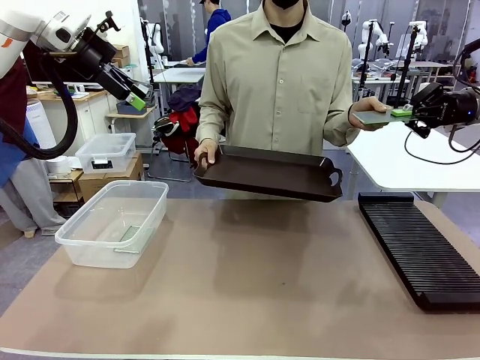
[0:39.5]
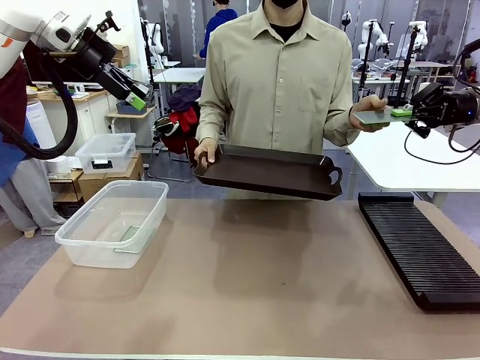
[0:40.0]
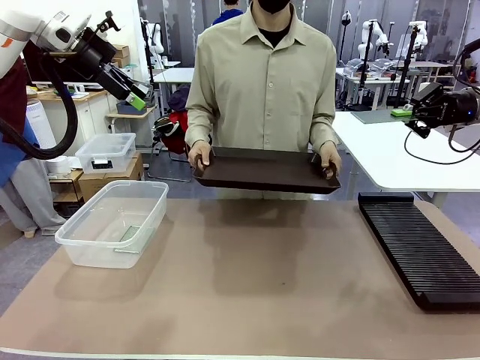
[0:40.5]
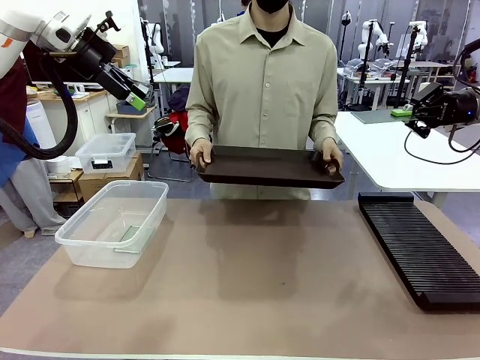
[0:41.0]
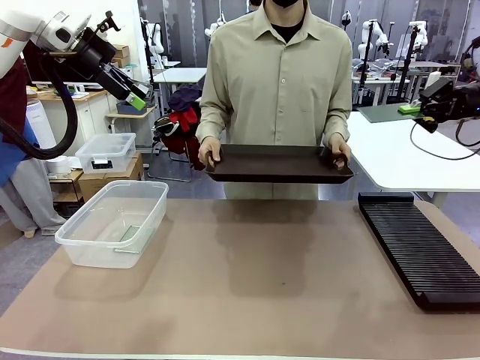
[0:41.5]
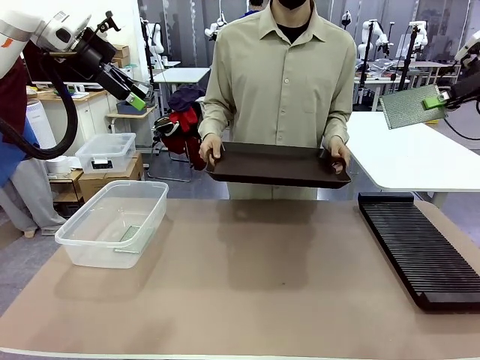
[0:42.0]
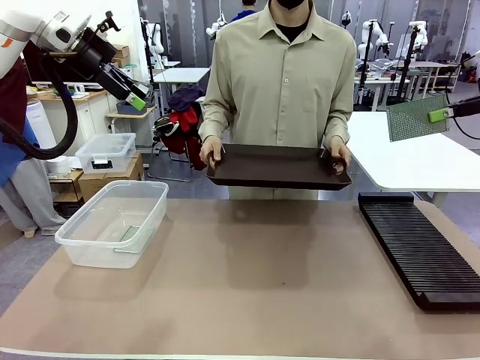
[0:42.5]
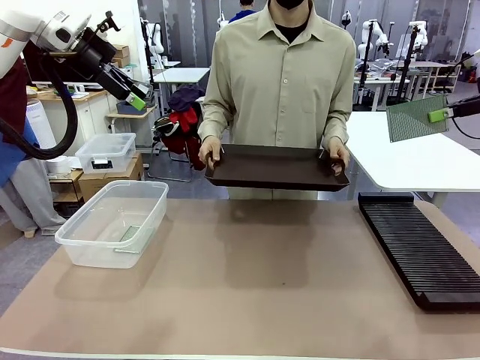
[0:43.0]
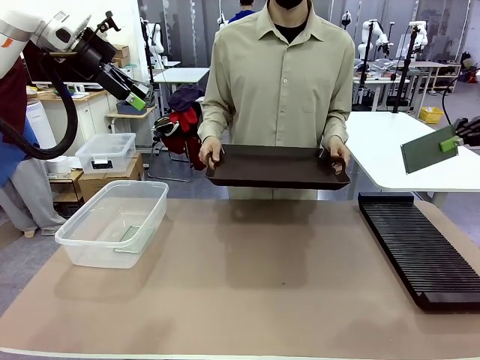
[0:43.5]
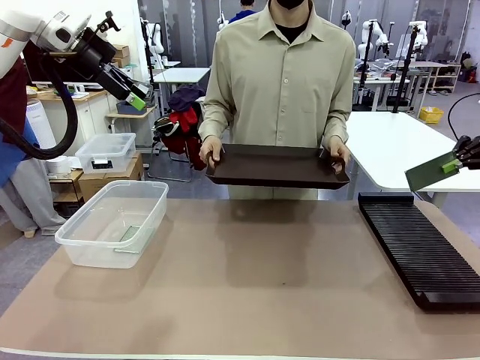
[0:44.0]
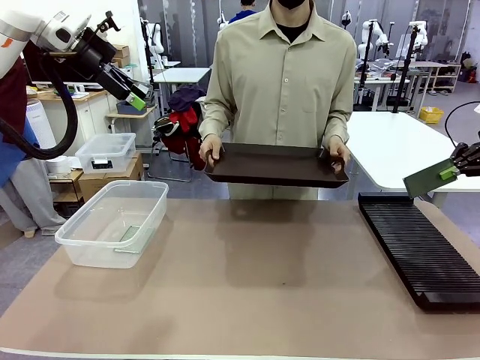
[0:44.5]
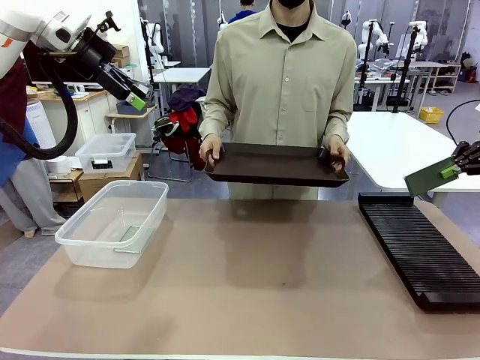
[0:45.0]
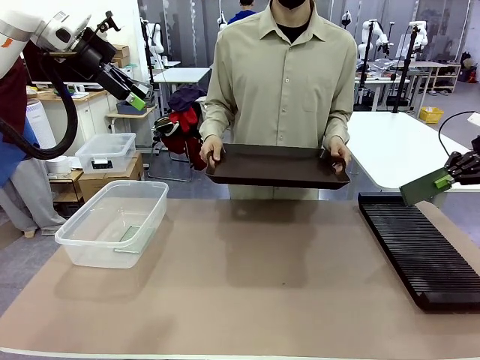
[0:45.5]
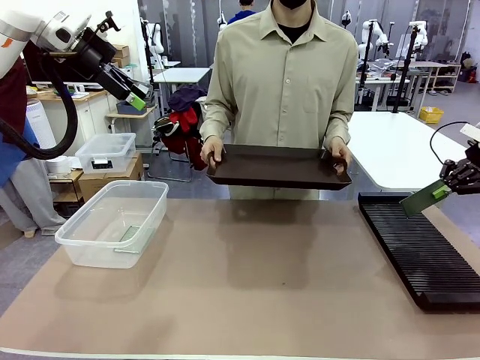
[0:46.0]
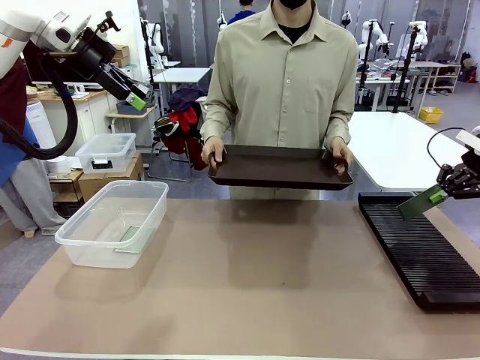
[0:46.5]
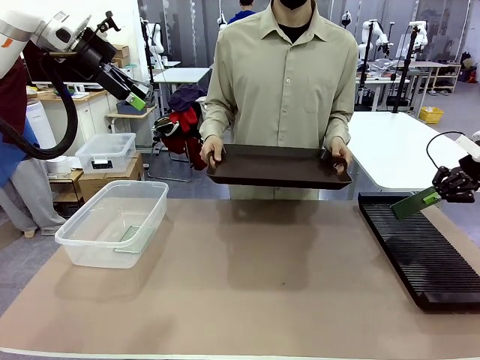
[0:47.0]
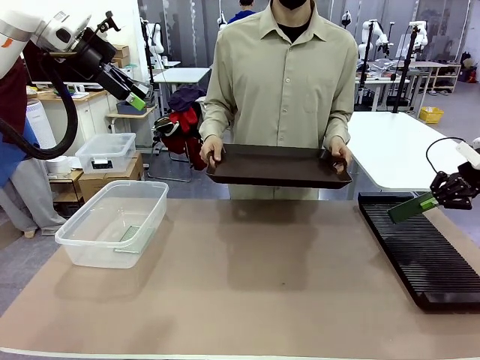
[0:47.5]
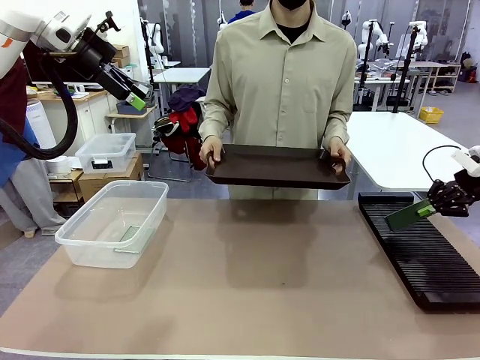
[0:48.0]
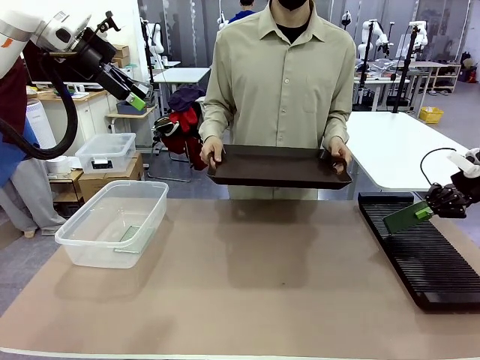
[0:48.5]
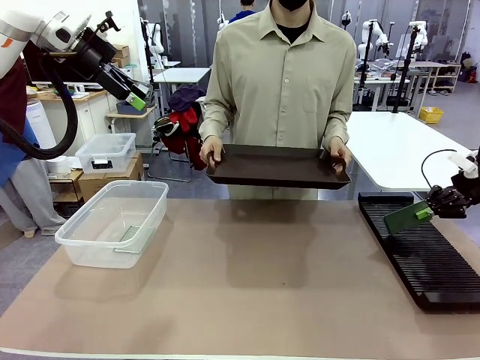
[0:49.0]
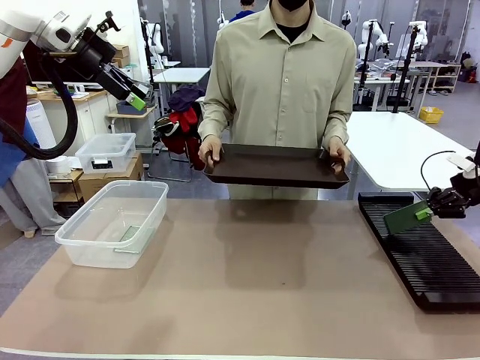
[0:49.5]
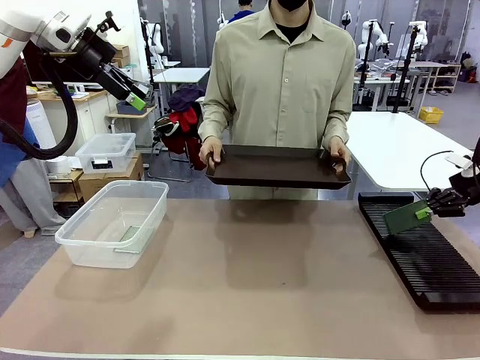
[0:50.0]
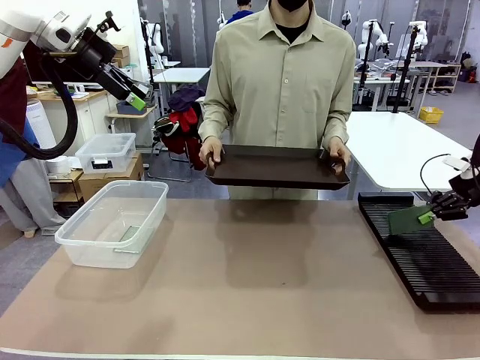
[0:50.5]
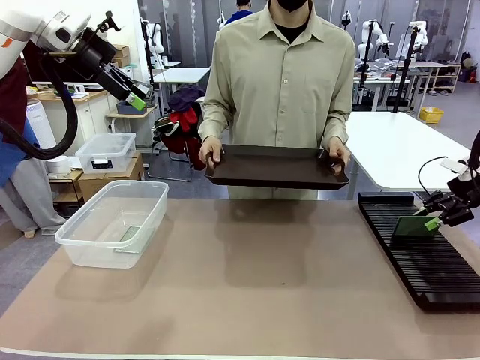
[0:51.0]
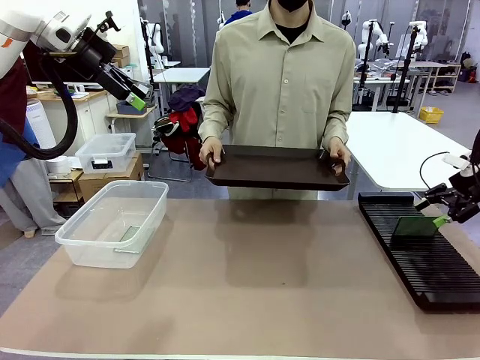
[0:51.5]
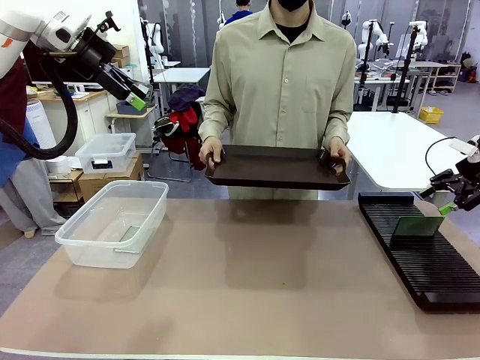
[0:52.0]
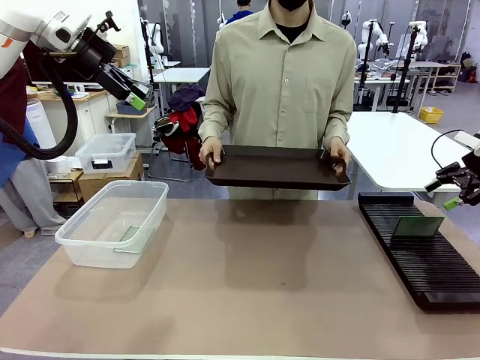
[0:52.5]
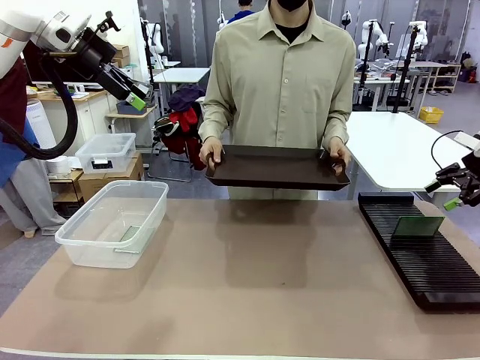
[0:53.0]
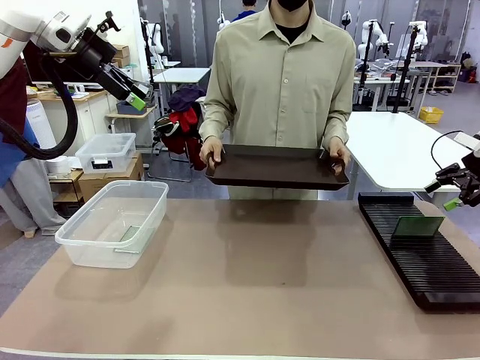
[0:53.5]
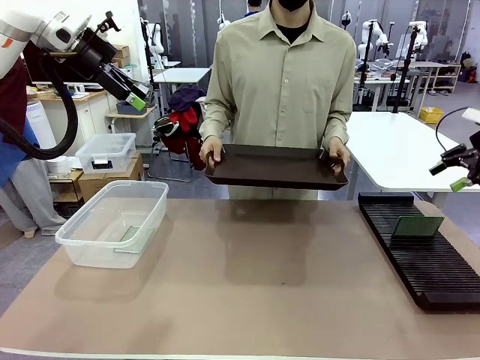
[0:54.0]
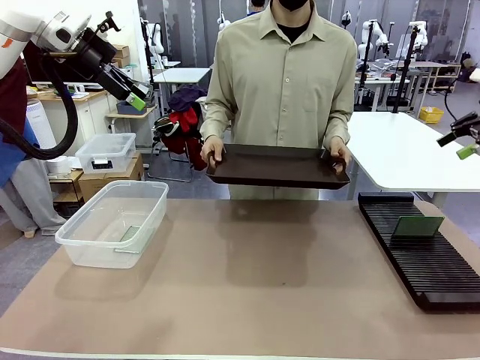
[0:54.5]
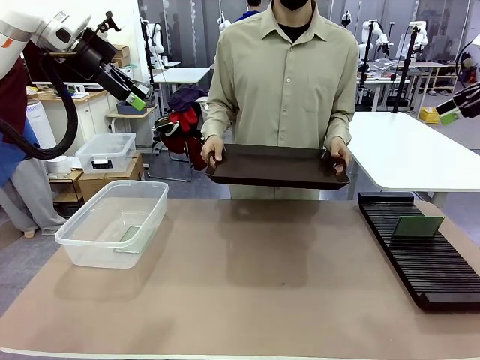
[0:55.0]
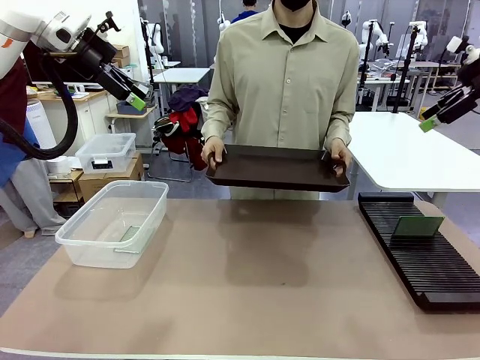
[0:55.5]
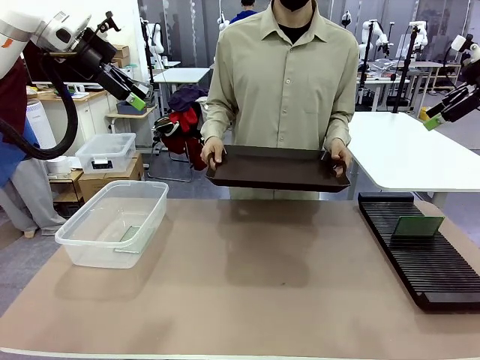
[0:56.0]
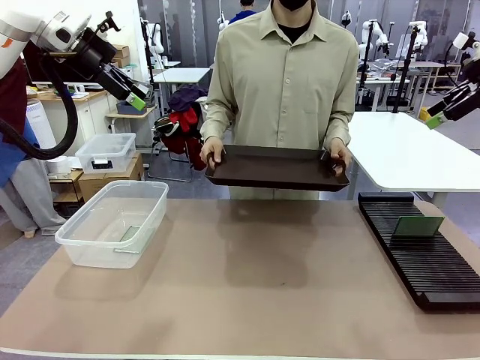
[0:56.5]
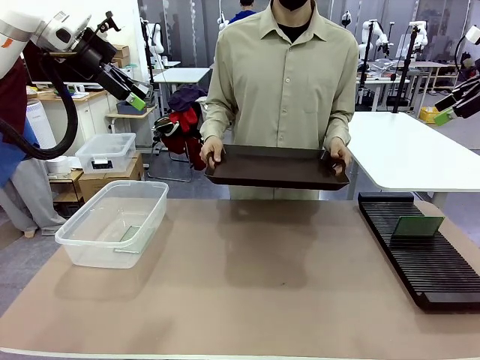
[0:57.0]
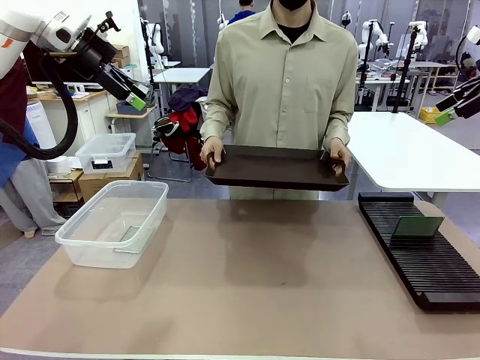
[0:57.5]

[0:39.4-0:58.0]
Task: Sort PCBs into racks and boxes based on the side picked up.
Robot: If the short side of the Blank PCB is picked up, insert it into the PCB Rack ; if the long side is picked up, place it in the Organizing box.
Person: Release the PCB being held.

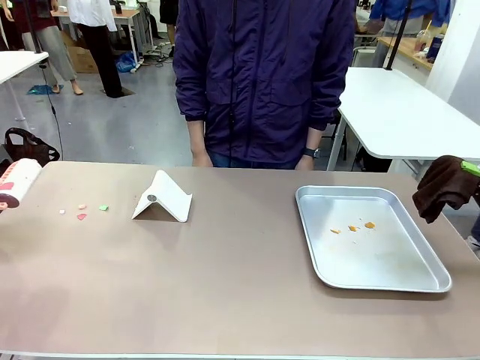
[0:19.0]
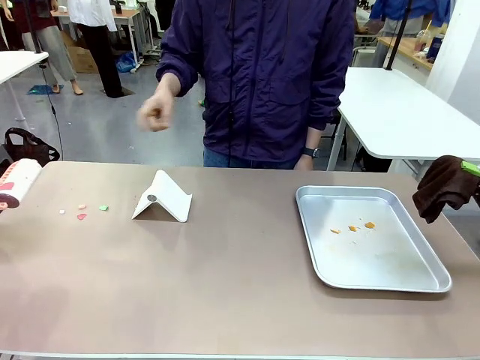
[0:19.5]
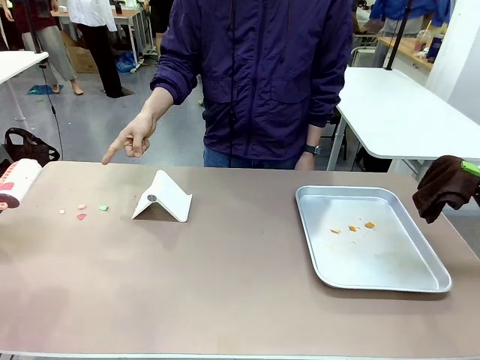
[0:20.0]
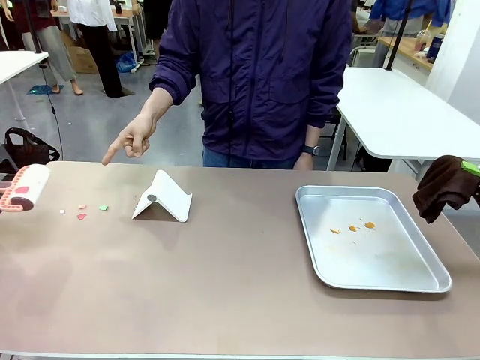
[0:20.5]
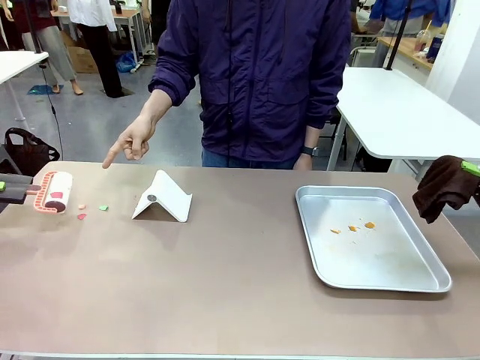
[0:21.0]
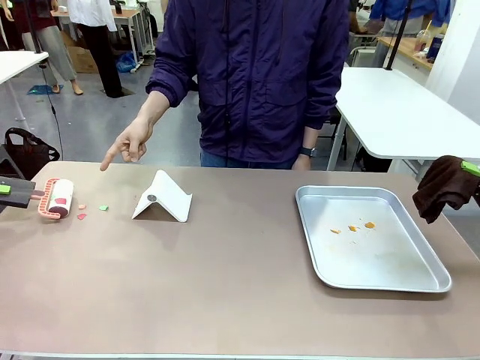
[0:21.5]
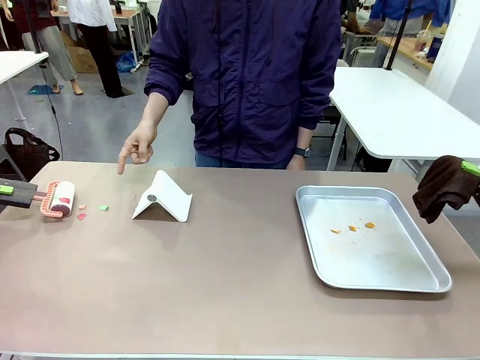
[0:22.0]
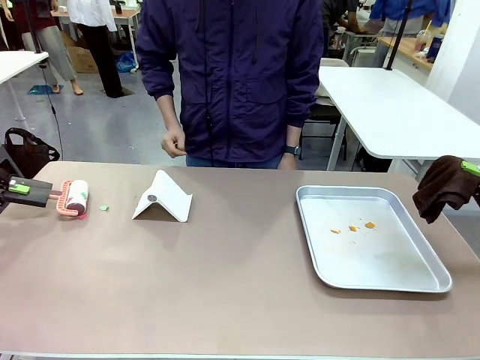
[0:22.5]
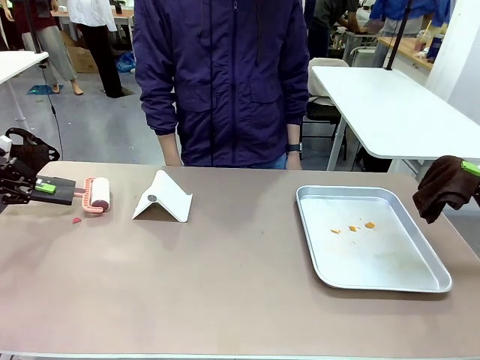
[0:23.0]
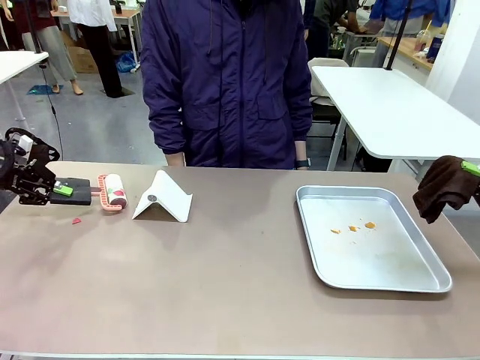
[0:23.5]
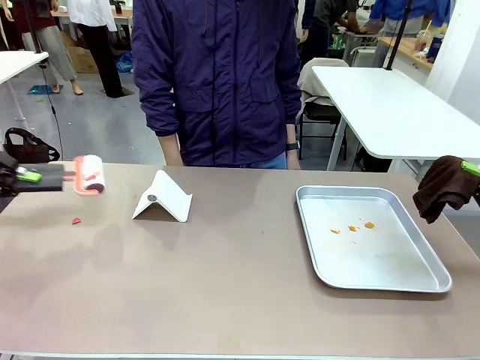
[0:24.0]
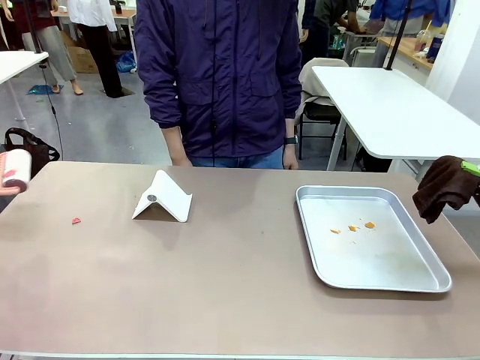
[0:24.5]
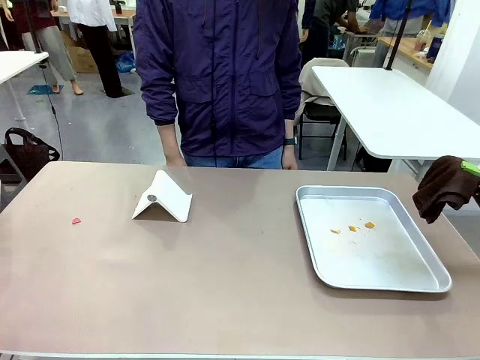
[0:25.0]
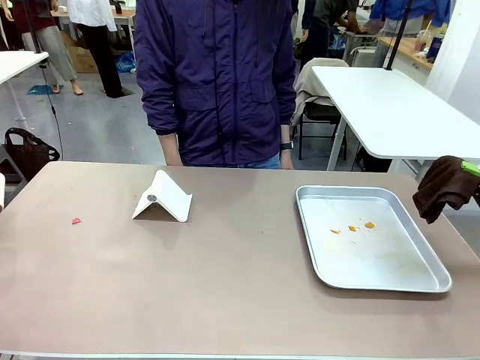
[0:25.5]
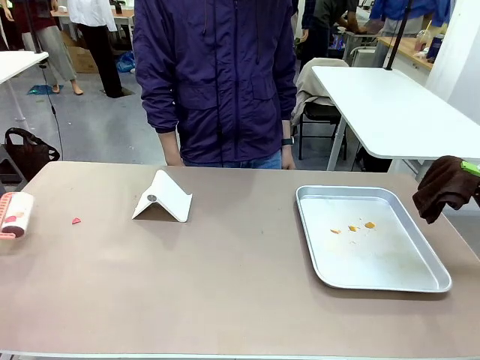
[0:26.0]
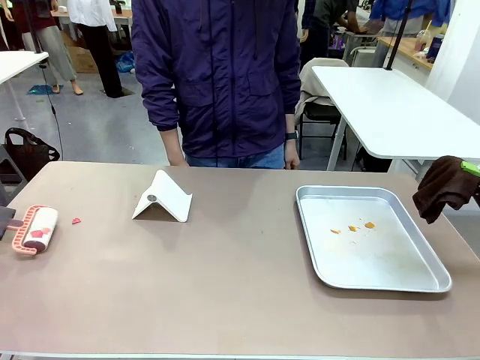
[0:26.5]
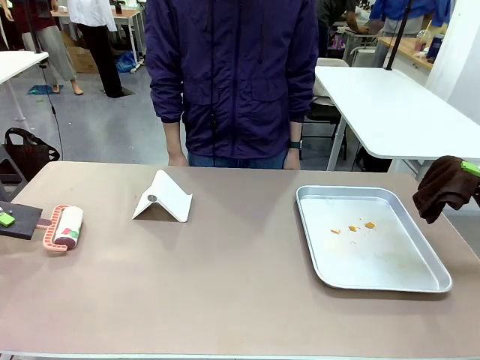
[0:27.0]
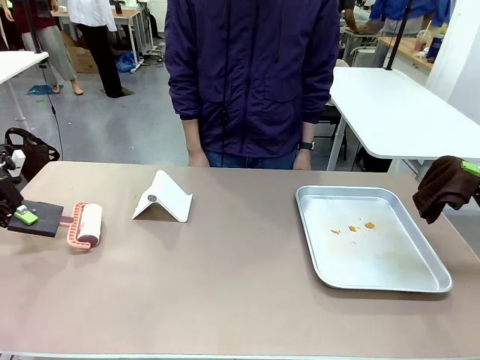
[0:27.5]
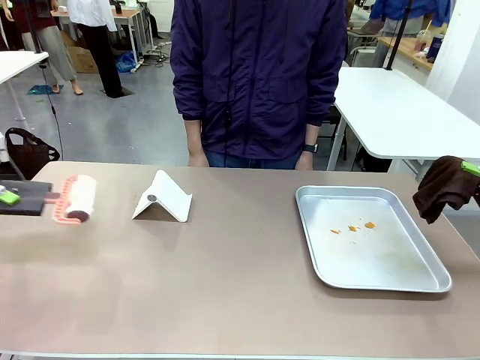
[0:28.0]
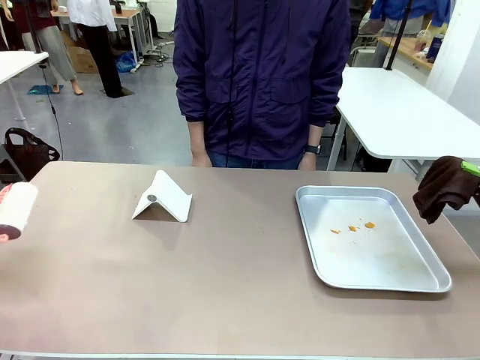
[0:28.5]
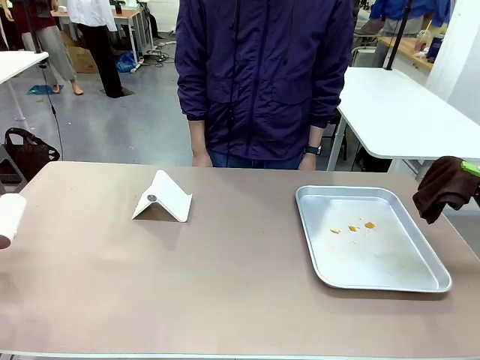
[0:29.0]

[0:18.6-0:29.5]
Task: Clean the surface of the table.
Robot: If a person points to the right, clean the right side of the table with your right hand, and if they point to the left, clean the left side with your left hand.
